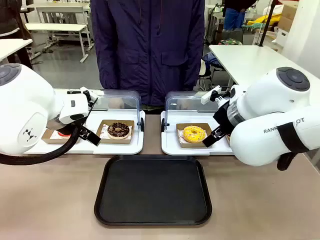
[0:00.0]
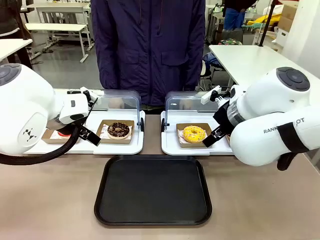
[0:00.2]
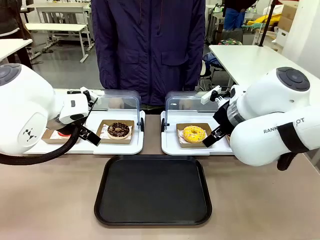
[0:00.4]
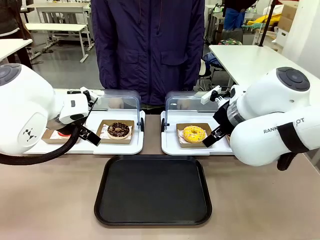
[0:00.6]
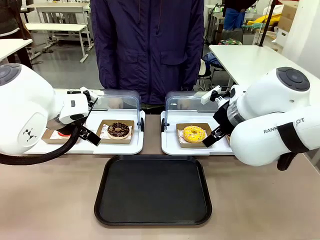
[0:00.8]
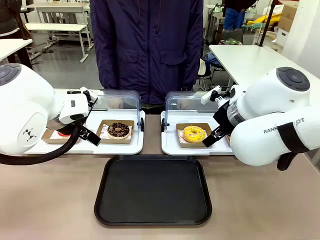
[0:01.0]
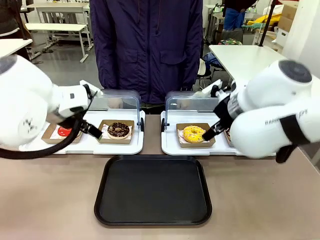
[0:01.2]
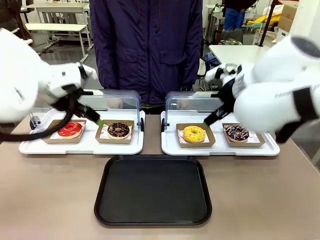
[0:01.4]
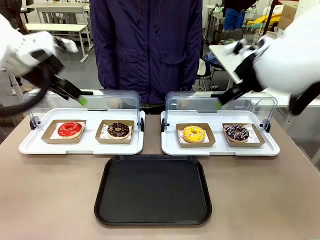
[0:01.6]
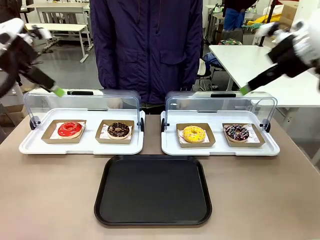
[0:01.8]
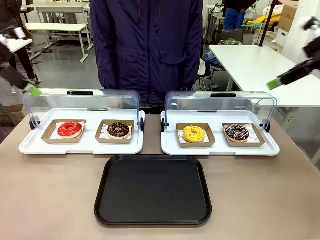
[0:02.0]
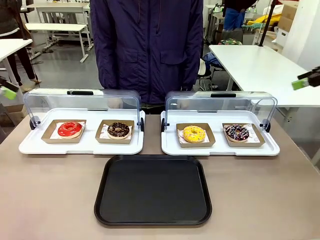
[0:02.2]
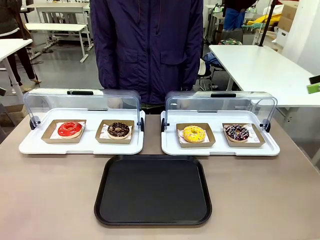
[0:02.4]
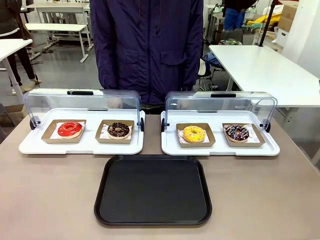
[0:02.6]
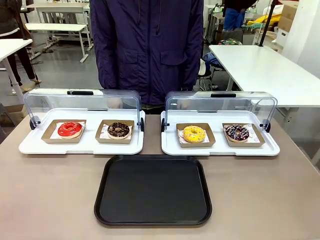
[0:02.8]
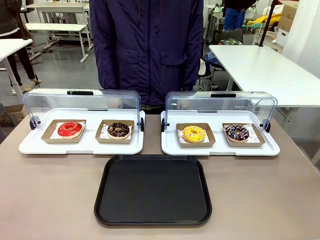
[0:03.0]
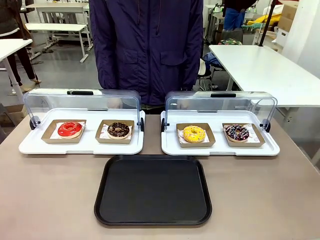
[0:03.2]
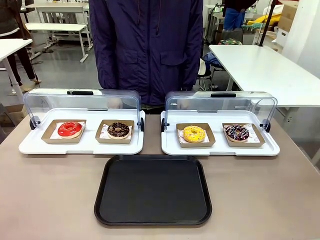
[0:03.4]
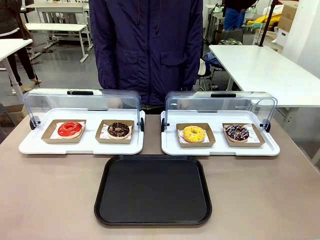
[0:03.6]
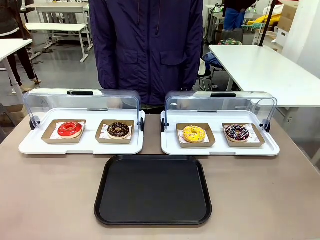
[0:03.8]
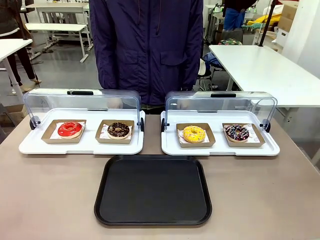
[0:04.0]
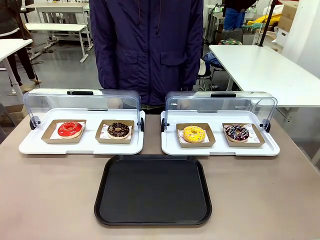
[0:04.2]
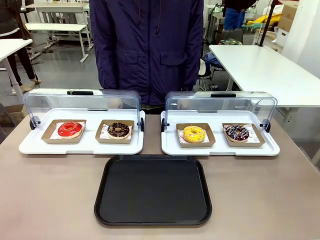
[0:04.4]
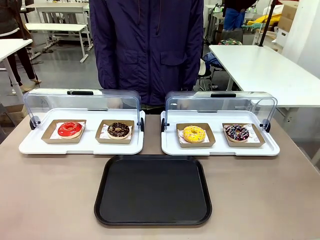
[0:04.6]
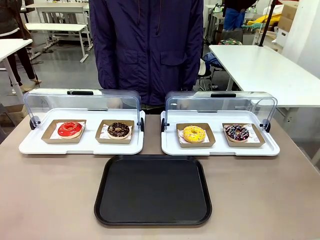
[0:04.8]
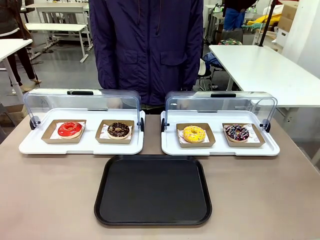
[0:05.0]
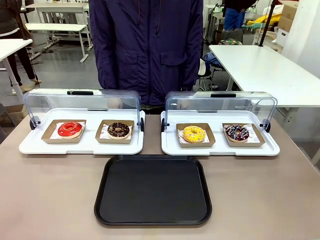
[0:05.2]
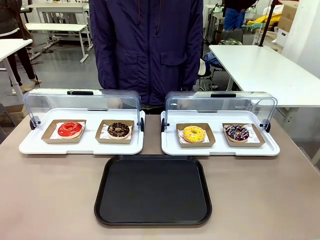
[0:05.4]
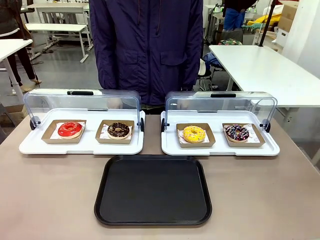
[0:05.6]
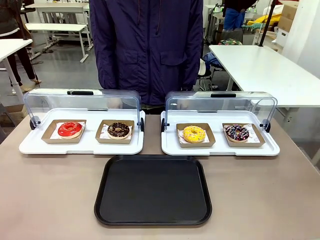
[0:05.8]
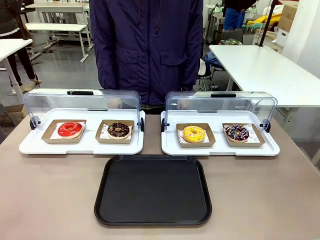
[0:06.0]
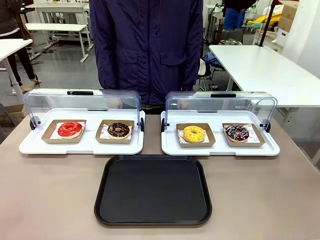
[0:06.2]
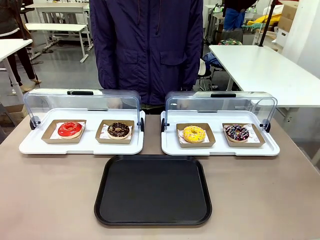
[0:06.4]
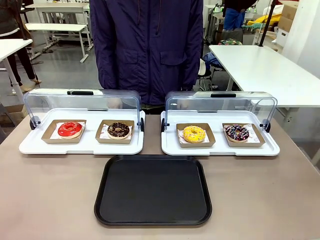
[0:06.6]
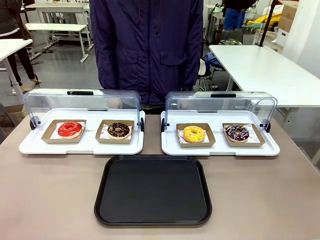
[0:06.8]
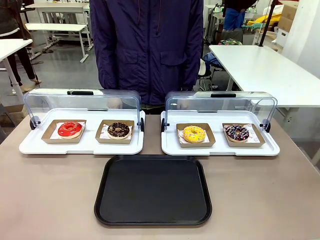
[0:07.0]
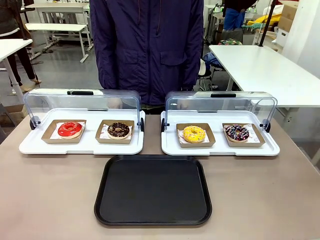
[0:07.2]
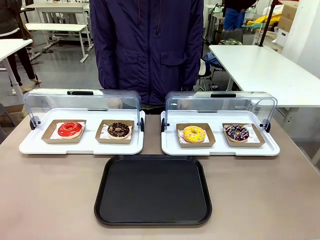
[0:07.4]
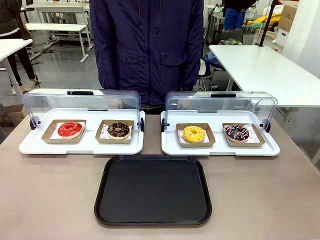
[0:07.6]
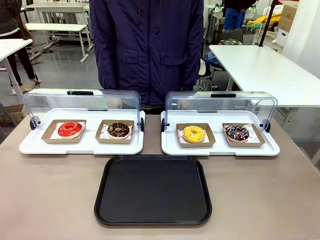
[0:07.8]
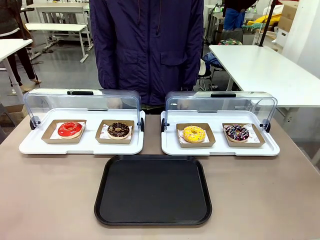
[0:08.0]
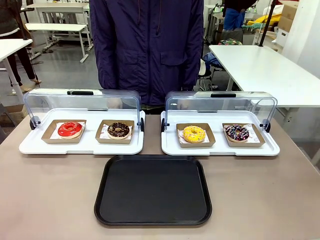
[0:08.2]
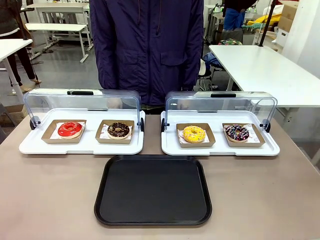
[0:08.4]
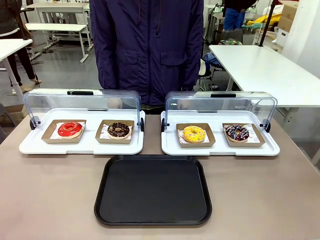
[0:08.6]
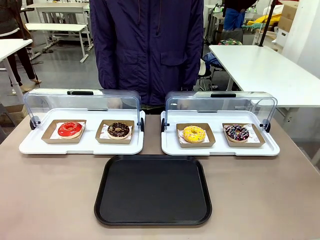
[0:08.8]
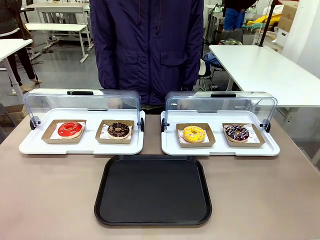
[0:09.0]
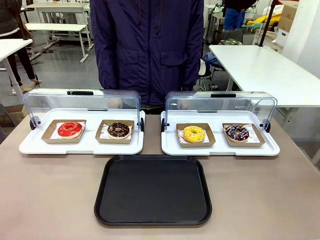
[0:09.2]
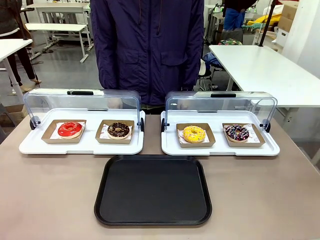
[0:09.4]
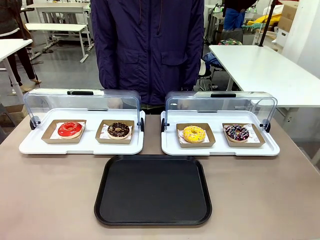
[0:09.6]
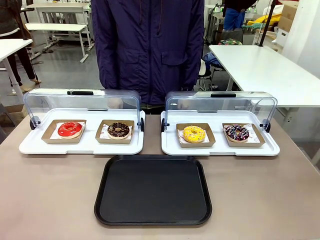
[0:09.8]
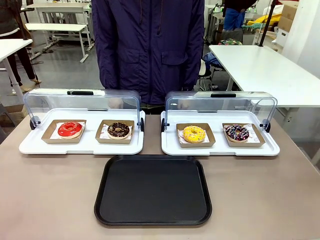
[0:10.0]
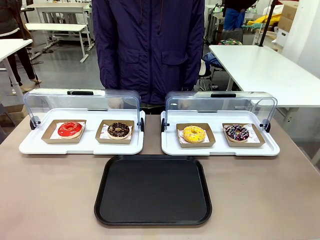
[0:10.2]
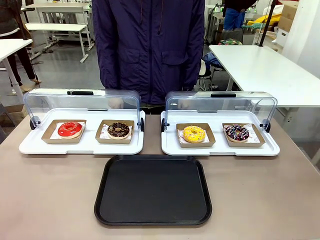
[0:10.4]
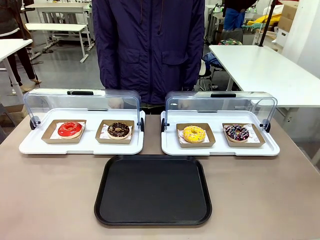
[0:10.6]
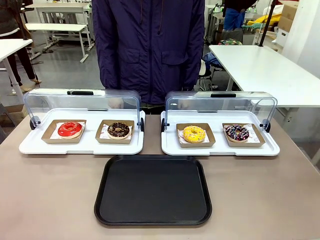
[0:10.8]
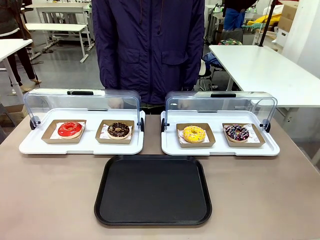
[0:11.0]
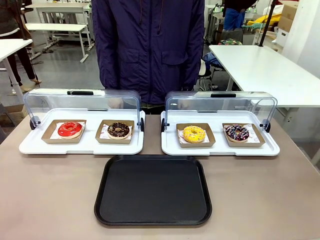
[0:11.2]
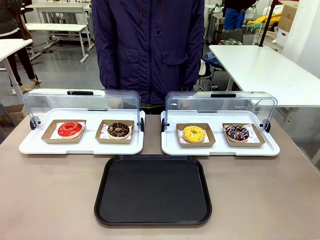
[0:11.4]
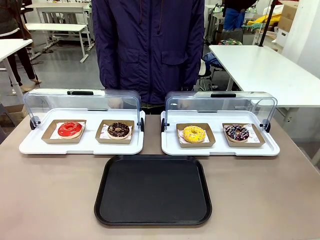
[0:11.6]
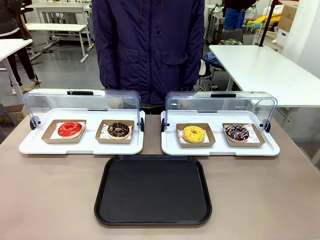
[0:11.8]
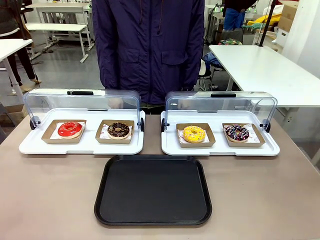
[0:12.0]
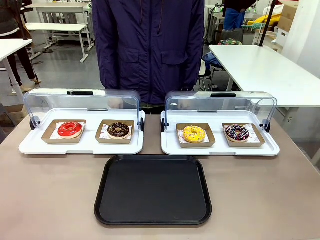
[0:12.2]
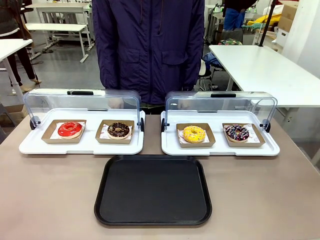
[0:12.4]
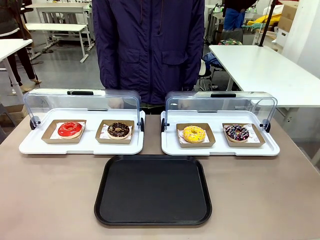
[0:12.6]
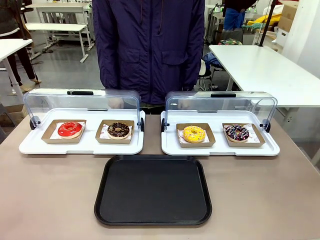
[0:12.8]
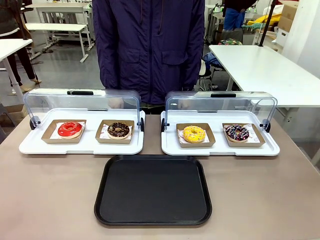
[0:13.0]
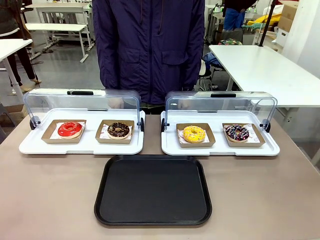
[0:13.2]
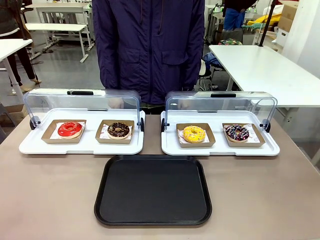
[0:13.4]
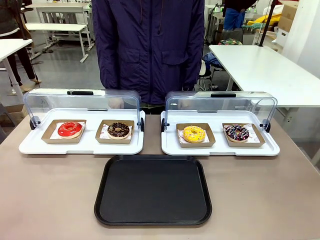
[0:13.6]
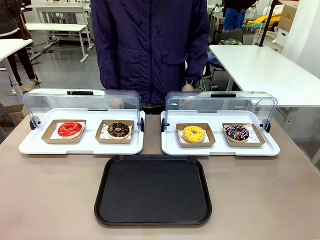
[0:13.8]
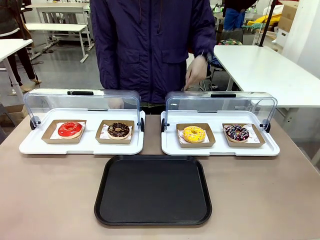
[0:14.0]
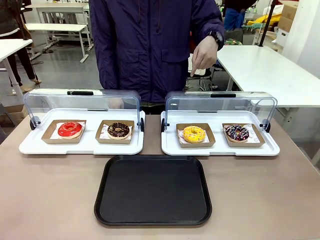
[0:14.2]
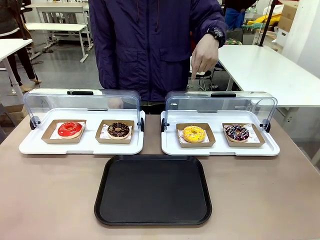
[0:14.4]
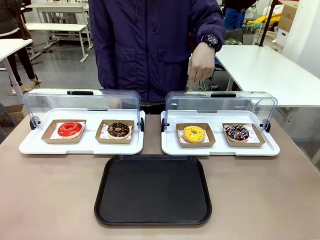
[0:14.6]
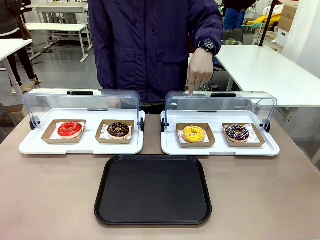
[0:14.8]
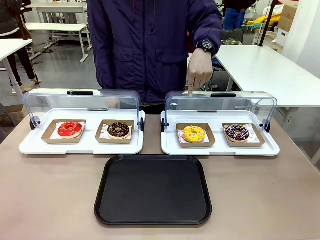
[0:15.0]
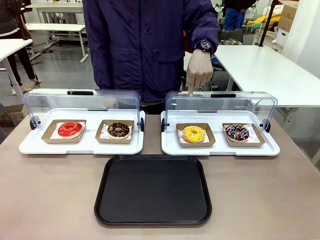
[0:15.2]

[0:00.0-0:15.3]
Task: Move the third donut from the left to the tray.
Robot: Pick up the Paper togo box containing the Donut indicated by the person and place it on the Handle tray.
